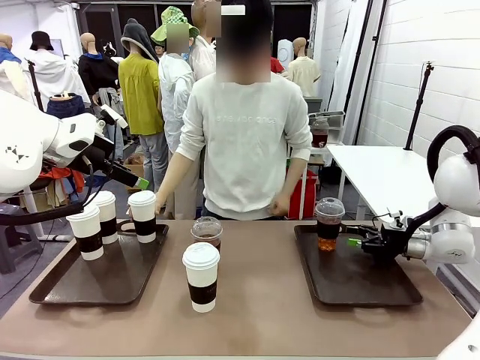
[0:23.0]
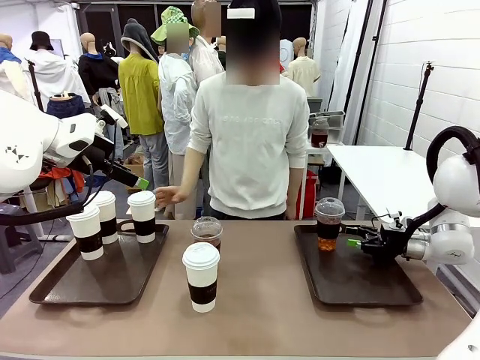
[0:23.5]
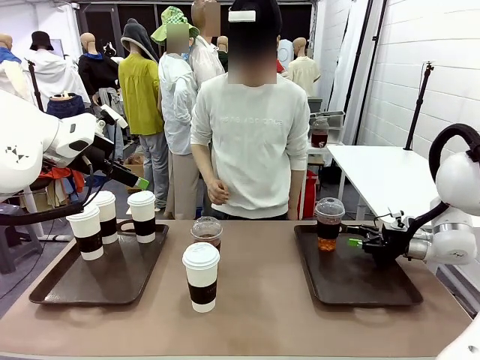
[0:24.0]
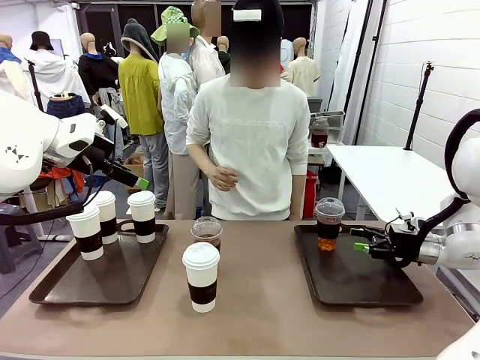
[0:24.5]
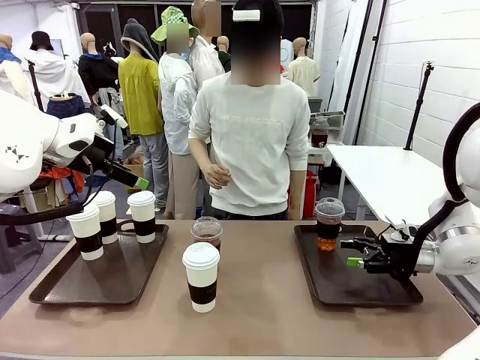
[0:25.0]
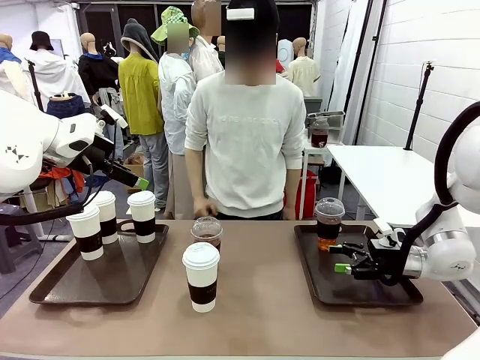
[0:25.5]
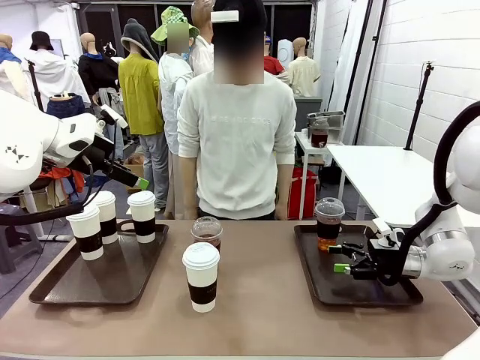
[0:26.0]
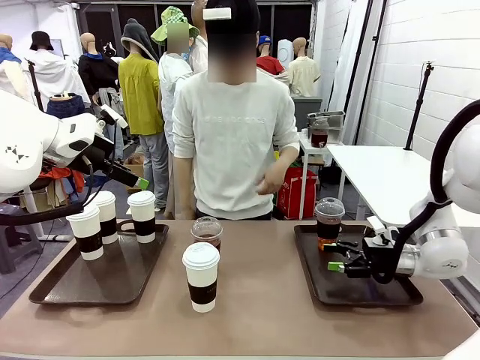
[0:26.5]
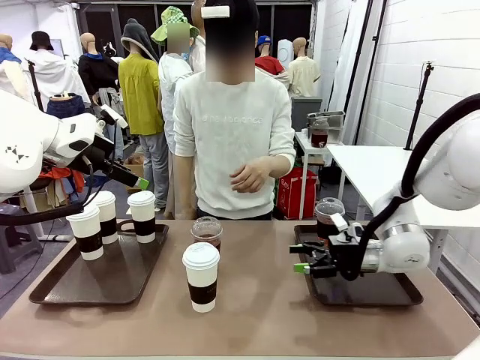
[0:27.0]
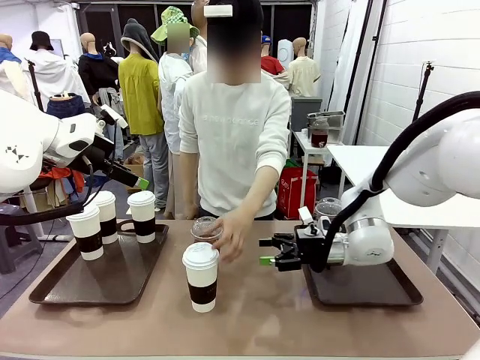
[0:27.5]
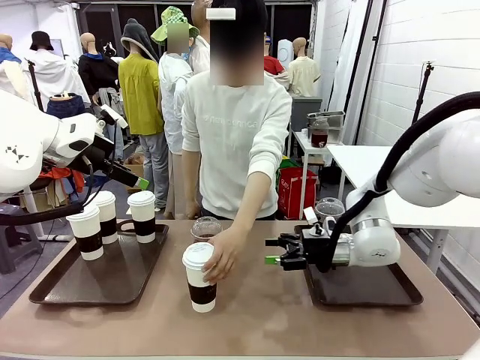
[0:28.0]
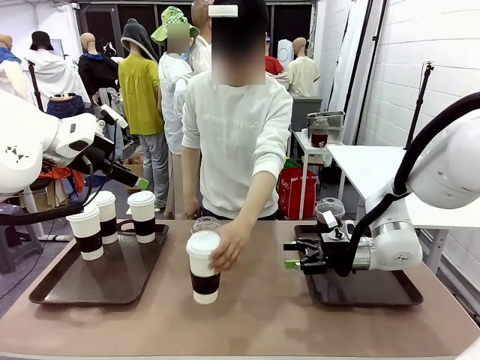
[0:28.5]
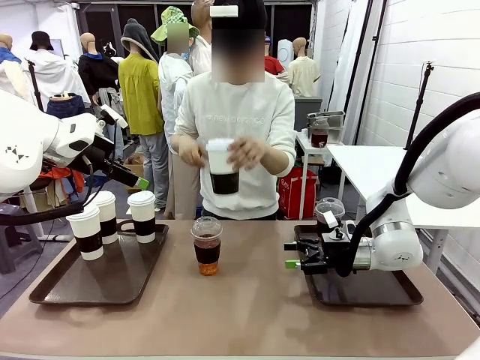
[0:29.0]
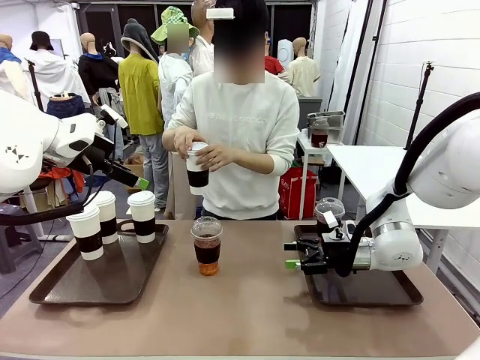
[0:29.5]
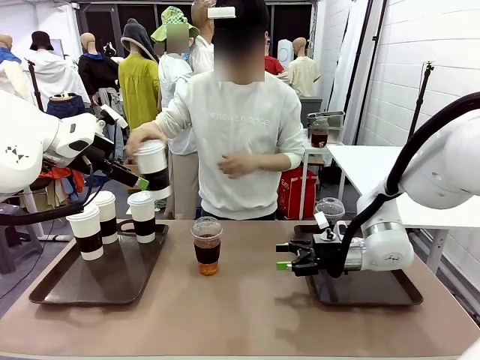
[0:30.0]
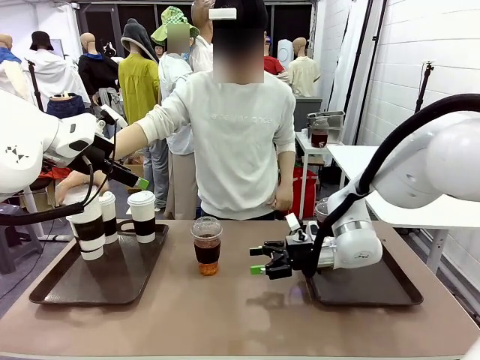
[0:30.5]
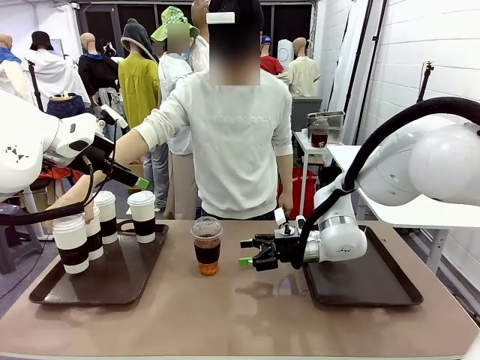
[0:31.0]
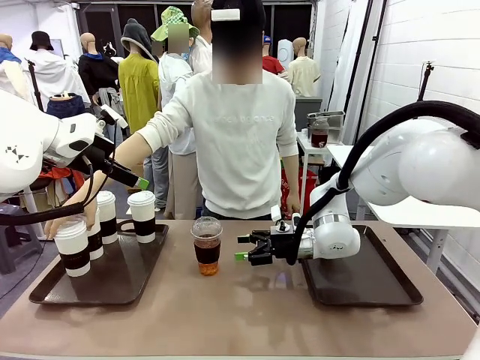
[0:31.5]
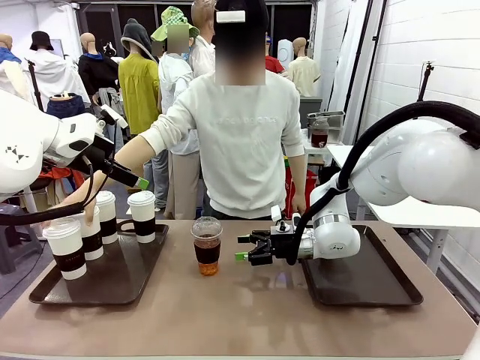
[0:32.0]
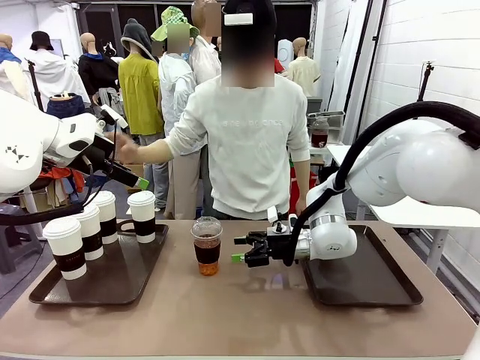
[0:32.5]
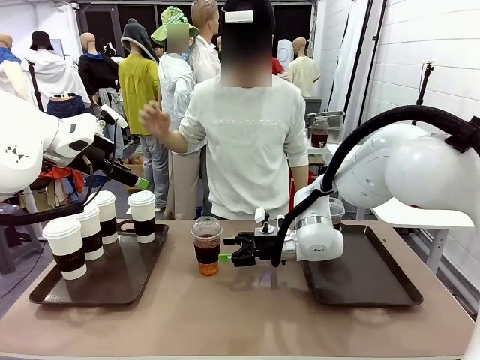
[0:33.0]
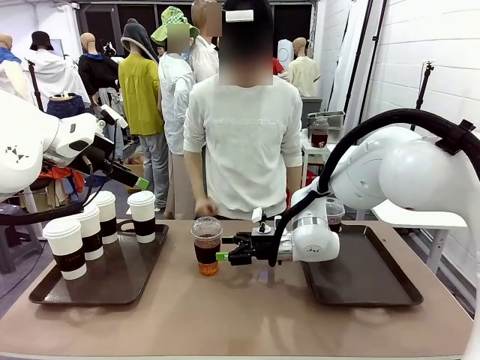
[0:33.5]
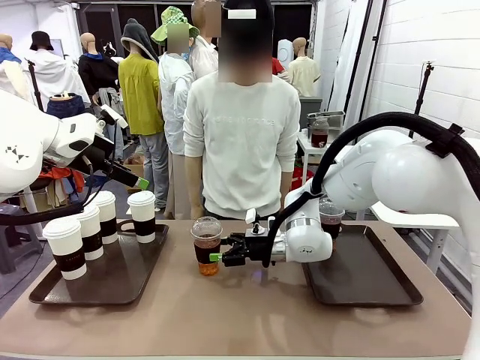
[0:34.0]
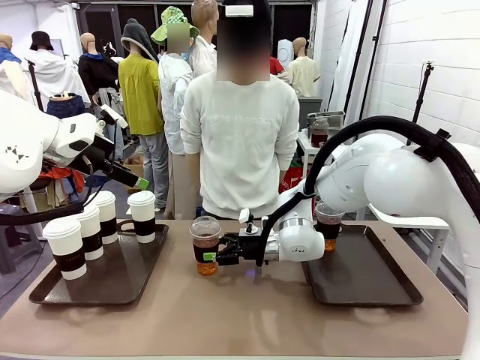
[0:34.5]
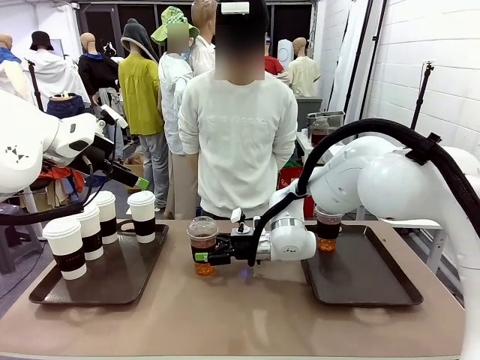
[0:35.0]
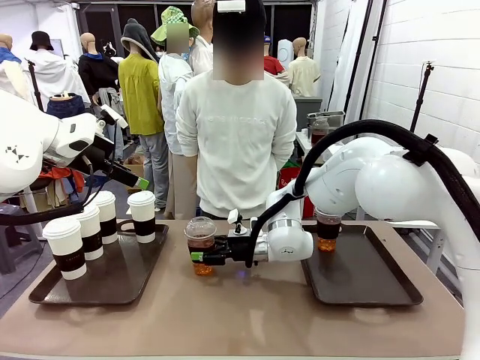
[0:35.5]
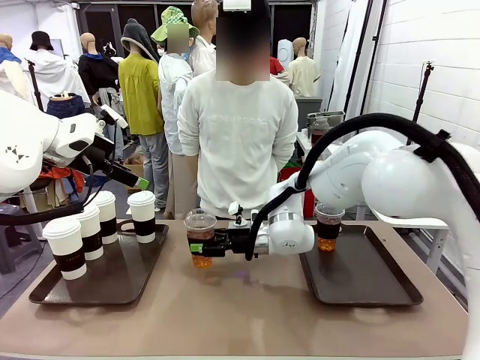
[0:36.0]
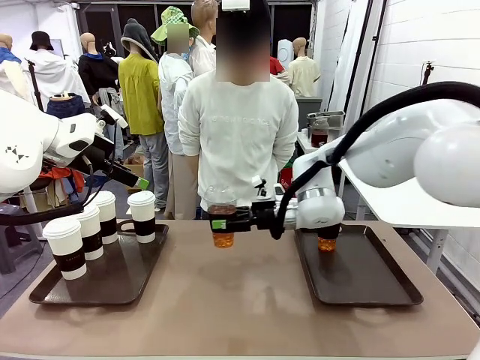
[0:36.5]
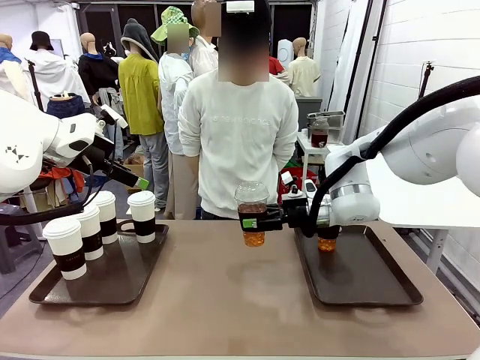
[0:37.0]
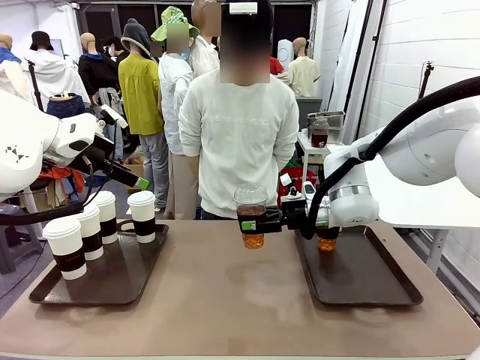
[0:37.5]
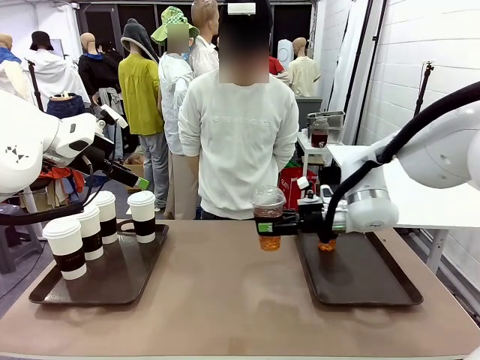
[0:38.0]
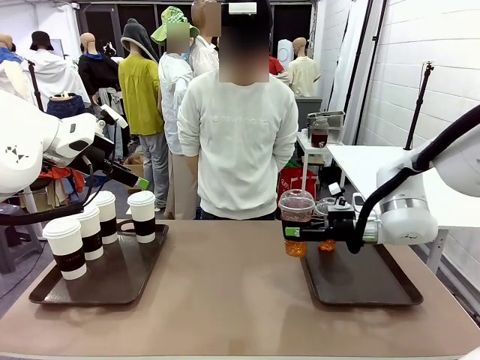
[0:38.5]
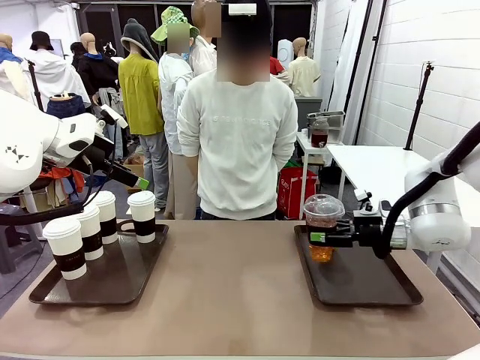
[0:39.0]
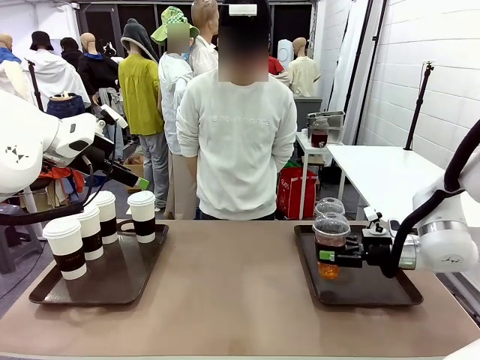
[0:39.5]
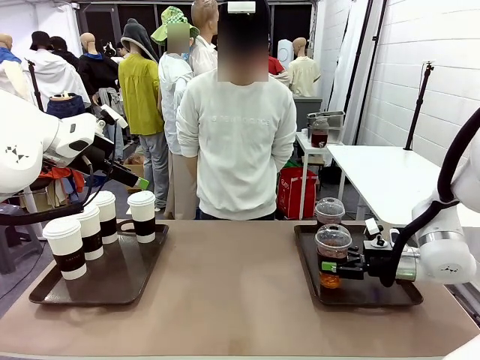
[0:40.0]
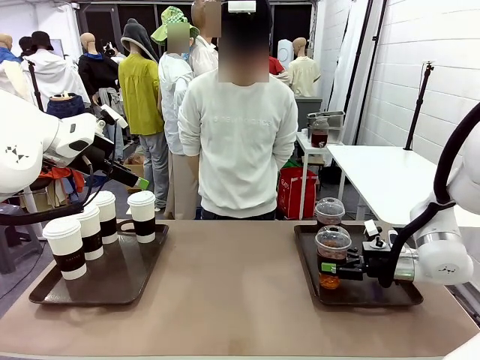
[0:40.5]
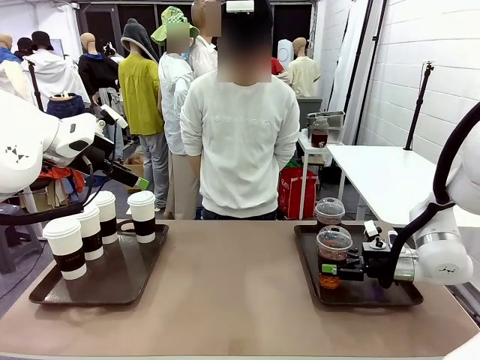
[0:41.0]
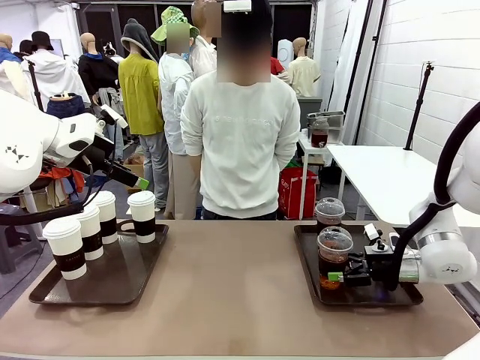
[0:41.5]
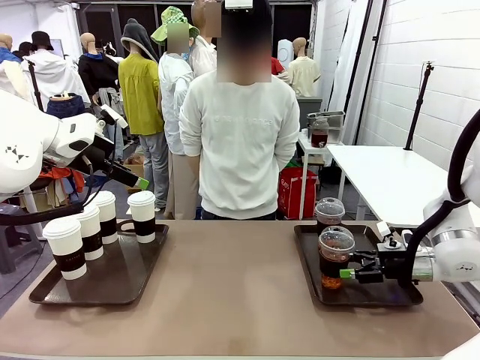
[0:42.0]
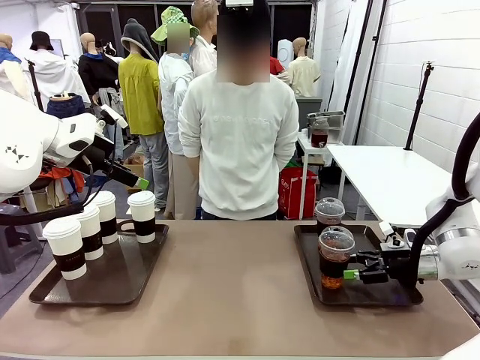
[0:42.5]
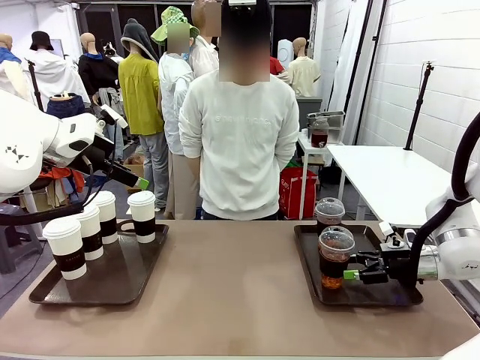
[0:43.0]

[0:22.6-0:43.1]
Task: Distribute the coffee onto the tray.
Robot: Pick up another iced Americano from the middle of the table and place it on the right Handle tray.
Person: Pick up a cup of hot Americano from the middle of the table and place it on the right tray.
